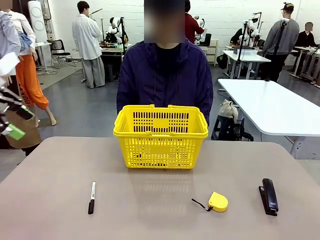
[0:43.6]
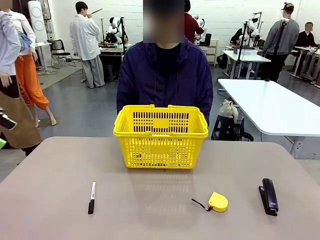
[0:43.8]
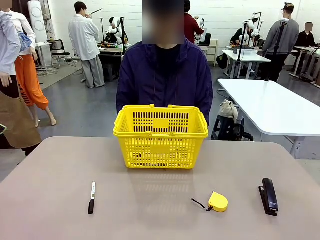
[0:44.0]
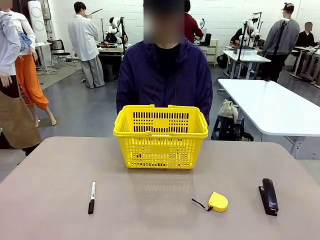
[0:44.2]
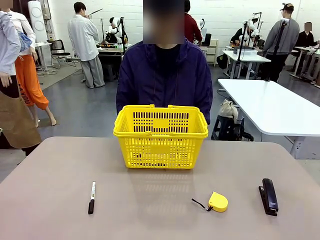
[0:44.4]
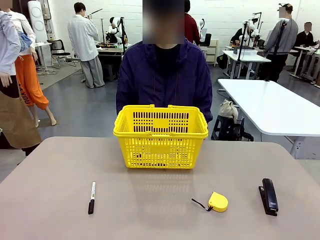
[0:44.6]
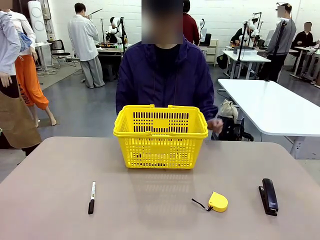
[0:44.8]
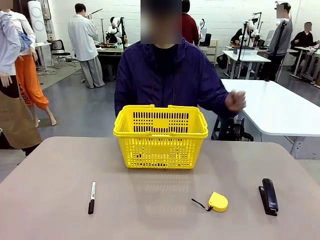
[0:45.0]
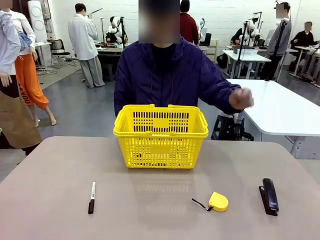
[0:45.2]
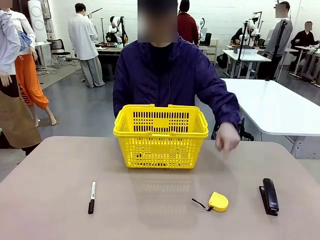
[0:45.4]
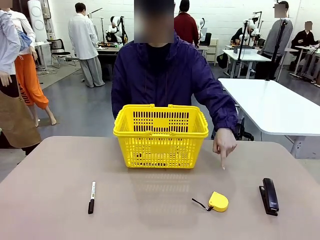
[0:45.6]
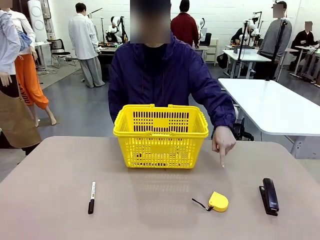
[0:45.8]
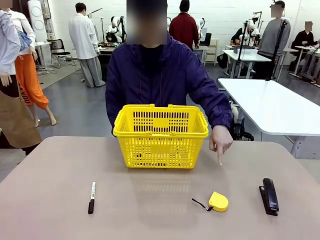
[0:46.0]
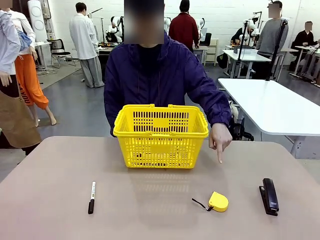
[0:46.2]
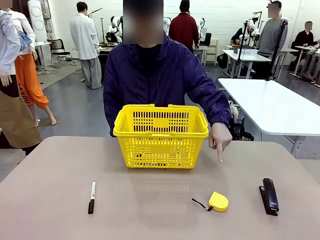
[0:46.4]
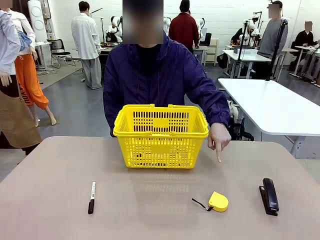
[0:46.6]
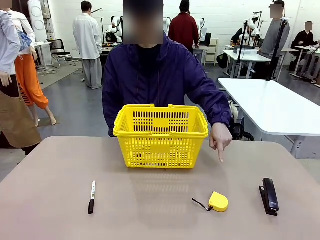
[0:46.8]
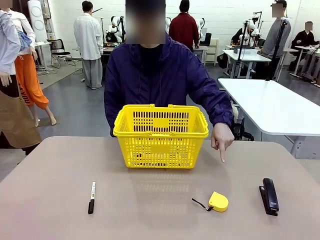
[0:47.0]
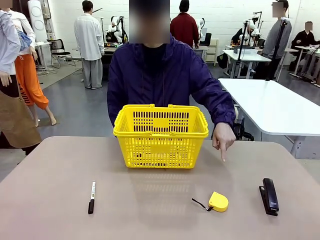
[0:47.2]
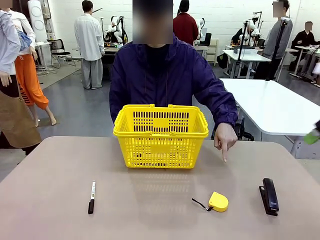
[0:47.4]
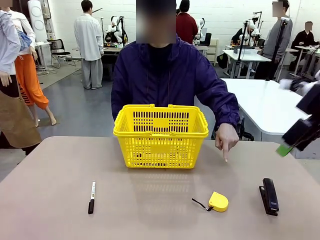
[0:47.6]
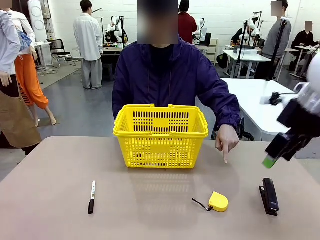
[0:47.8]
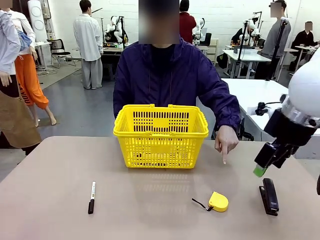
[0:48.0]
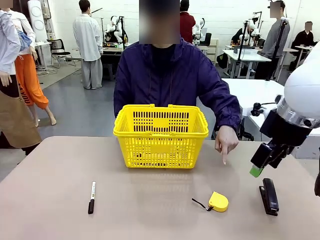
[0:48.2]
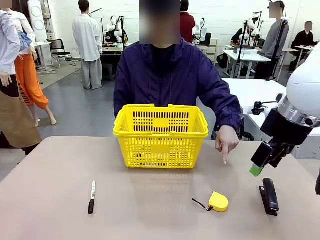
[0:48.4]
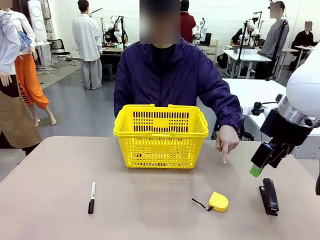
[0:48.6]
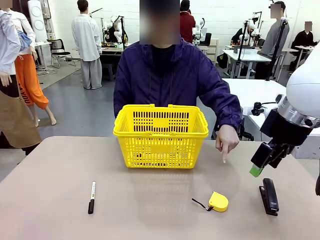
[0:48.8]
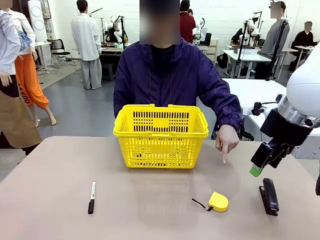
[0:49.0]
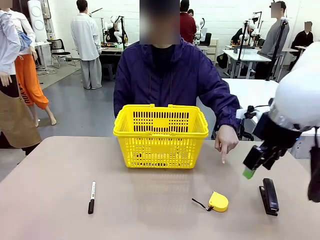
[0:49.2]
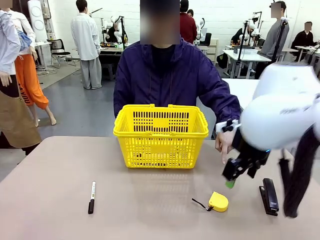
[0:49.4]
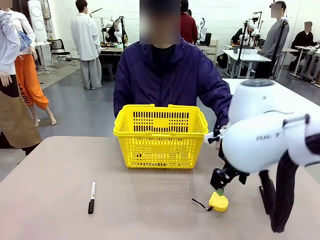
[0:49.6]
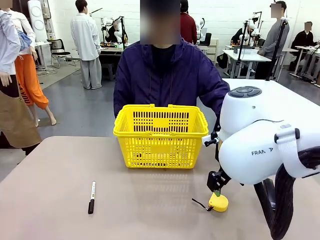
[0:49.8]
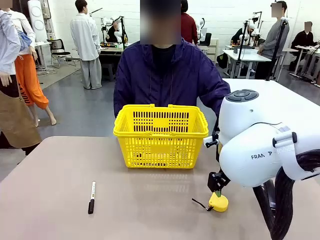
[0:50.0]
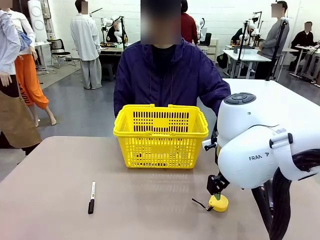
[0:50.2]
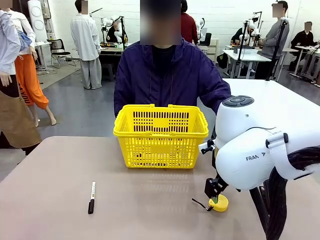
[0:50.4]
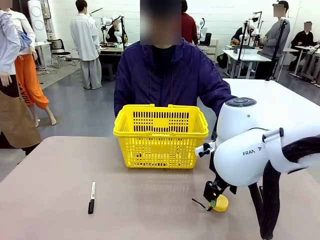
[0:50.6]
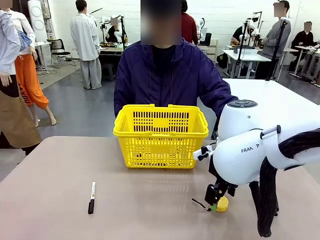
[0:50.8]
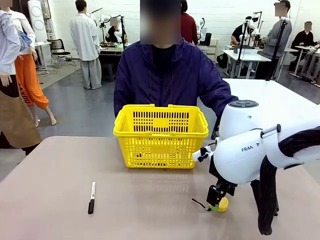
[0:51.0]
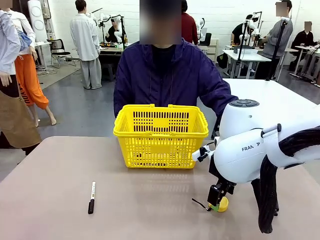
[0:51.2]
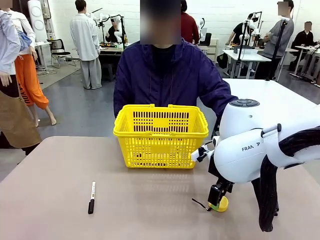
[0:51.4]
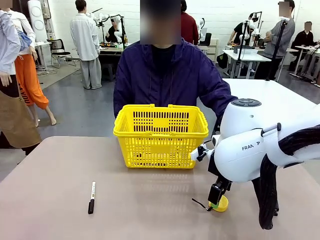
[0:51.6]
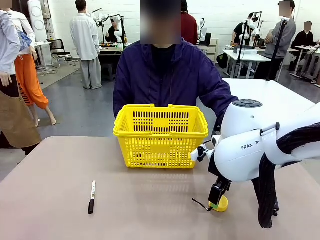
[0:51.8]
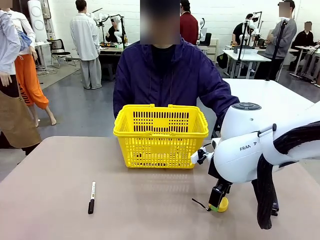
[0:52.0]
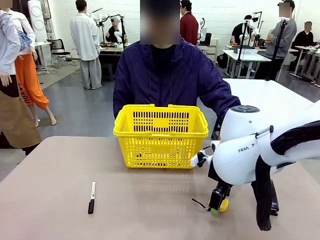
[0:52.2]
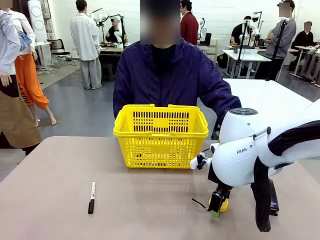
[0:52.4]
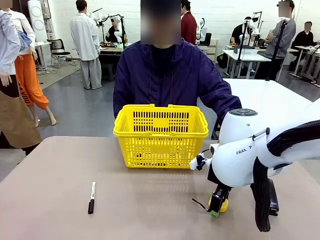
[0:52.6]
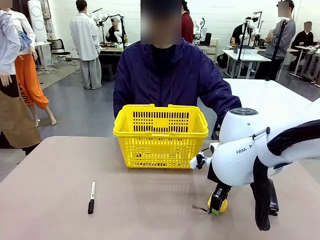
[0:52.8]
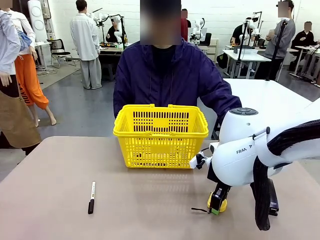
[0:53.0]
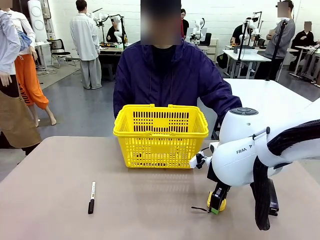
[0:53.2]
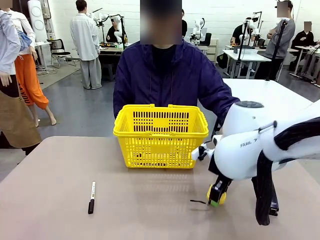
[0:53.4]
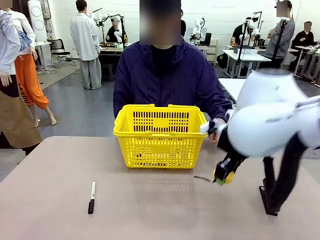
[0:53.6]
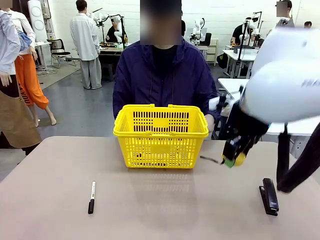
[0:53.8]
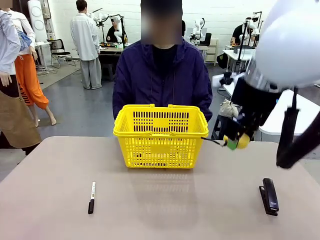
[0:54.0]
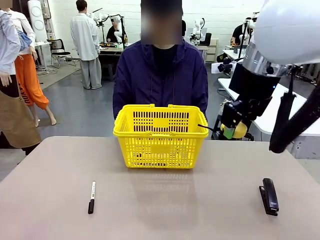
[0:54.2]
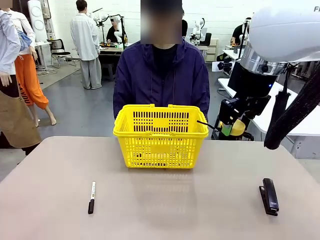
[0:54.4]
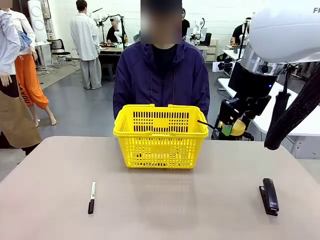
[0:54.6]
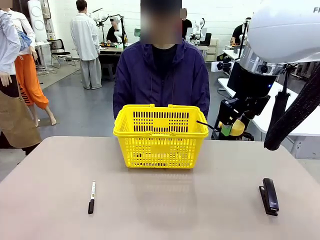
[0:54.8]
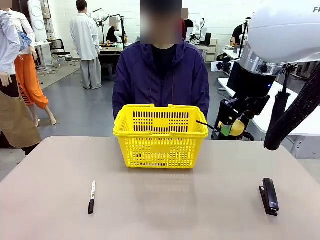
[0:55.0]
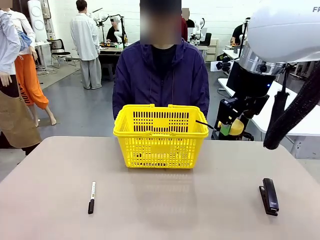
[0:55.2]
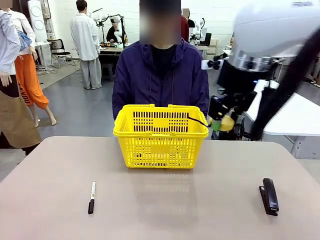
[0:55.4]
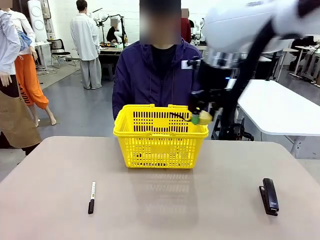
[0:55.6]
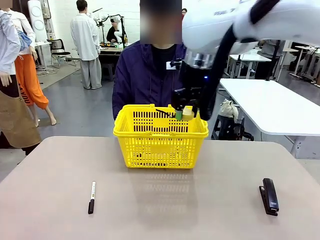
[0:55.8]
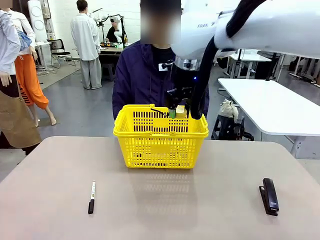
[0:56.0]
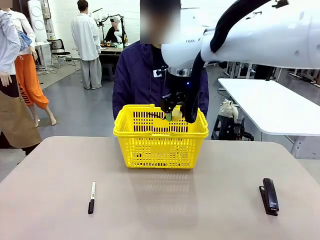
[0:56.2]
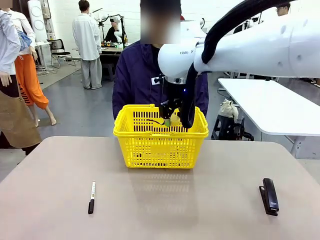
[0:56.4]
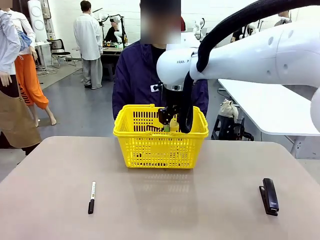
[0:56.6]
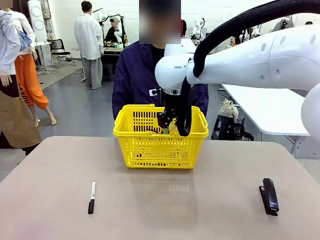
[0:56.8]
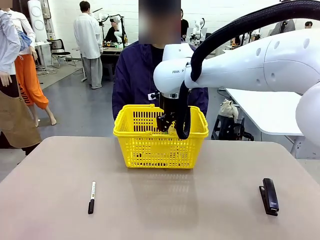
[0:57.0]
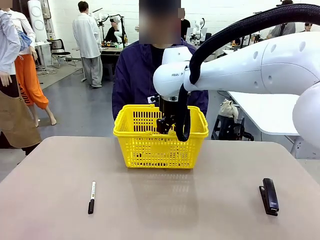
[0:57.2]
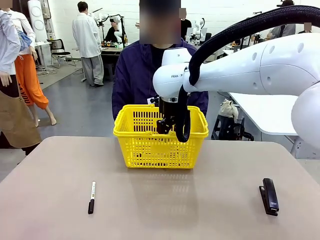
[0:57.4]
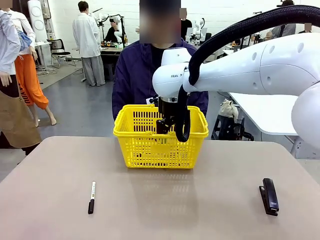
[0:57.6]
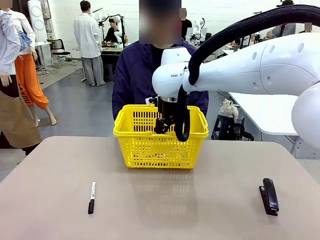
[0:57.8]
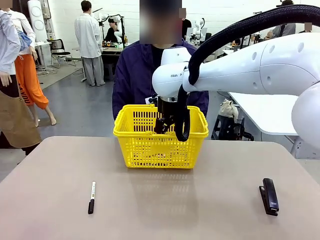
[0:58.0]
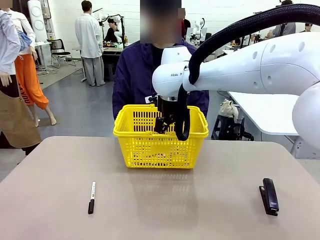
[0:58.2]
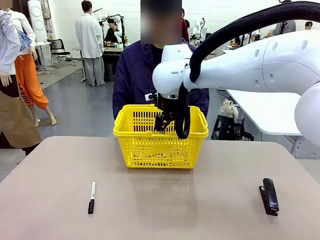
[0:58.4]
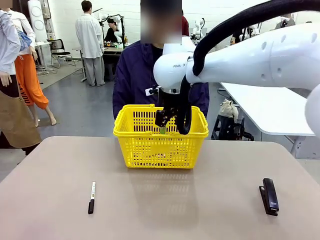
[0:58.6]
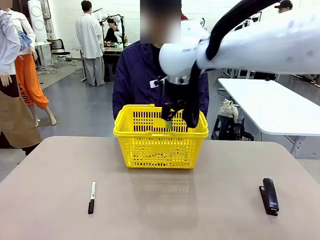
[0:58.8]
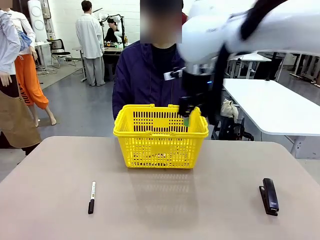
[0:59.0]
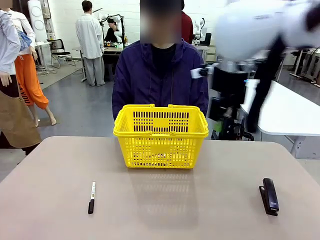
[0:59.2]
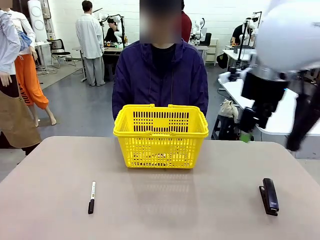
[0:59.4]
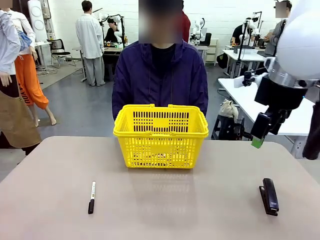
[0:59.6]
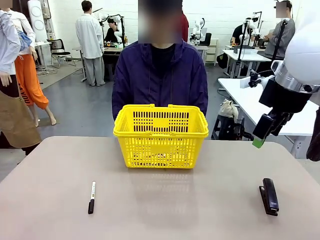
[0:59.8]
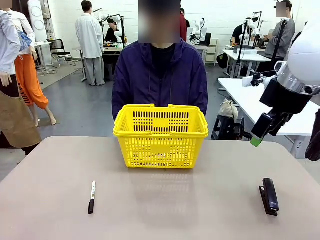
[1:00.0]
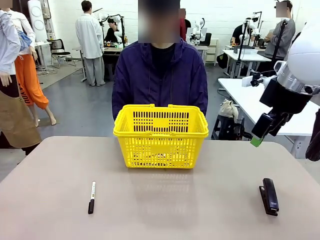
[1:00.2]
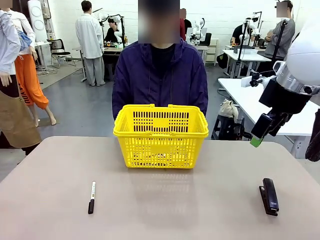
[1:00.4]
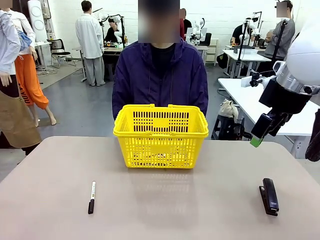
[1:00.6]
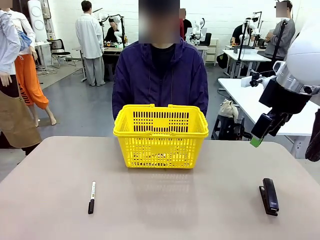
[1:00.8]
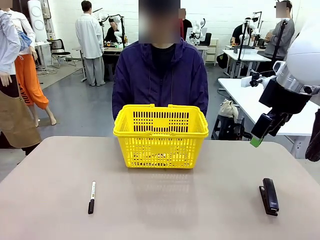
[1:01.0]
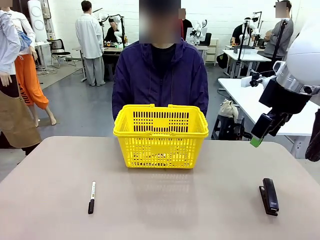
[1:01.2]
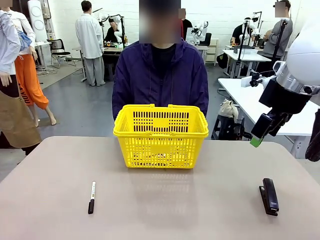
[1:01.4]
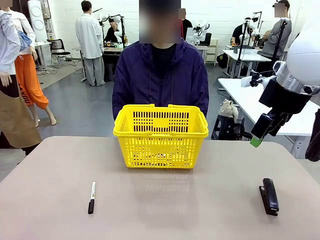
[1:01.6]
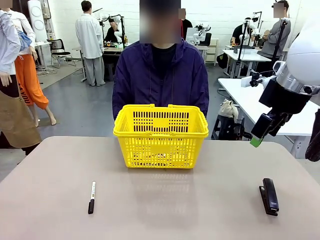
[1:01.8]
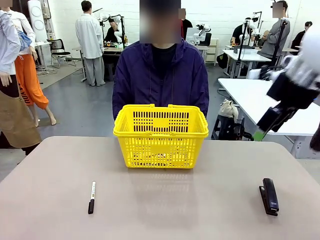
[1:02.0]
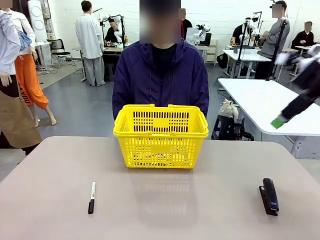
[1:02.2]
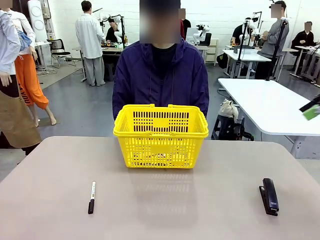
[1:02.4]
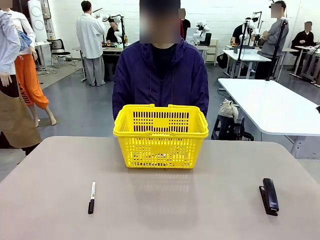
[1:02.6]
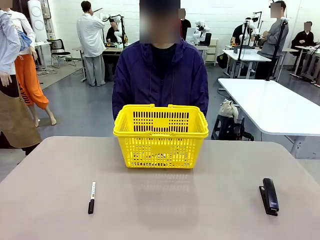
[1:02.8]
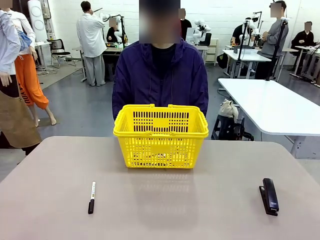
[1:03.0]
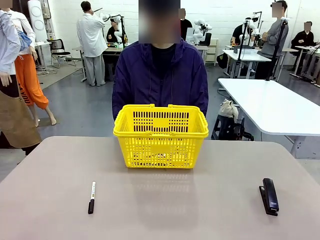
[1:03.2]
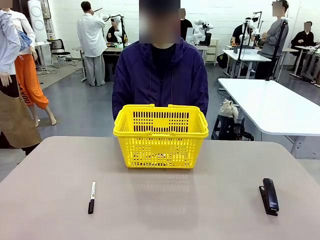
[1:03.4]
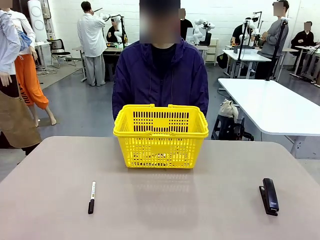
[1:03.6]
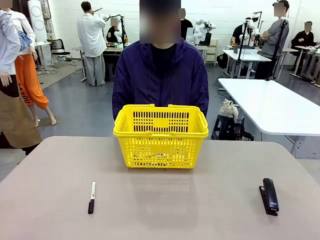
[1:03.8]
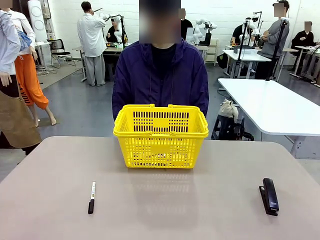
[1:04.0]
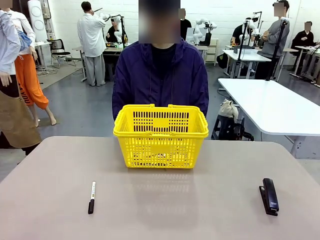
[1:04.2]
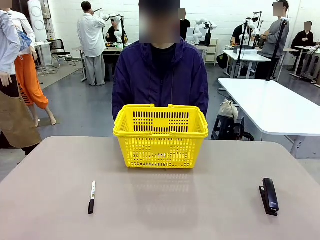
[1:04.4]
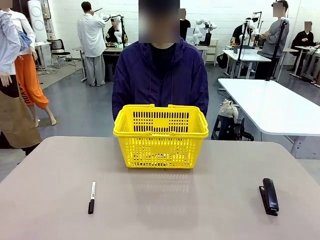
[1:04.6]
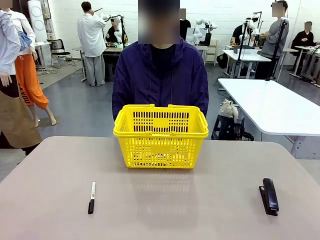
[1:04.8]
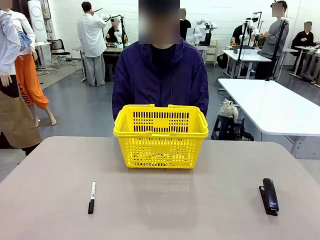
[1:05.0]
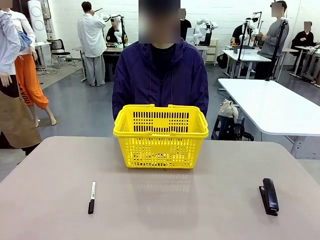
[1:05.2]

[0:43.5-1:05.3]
Task: Place the items the person wants into the basket.
Robot: Pick up the item the person points to and place it in the Market Basket.
